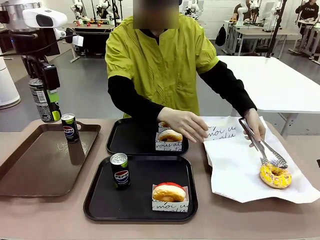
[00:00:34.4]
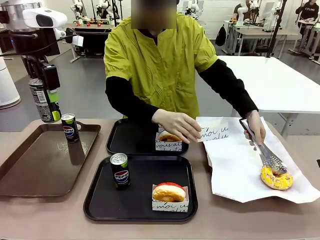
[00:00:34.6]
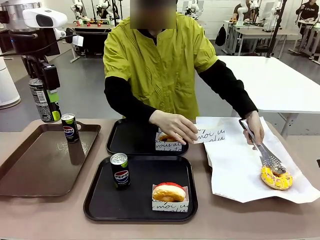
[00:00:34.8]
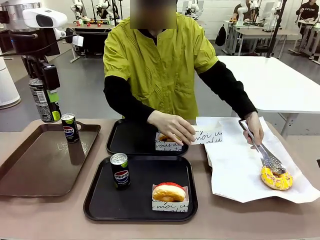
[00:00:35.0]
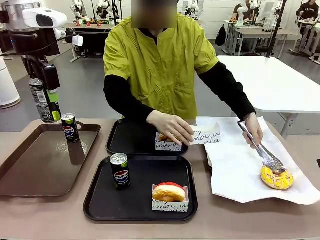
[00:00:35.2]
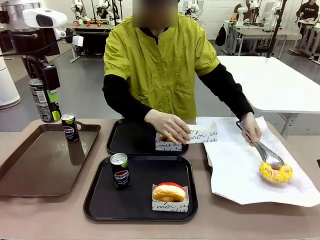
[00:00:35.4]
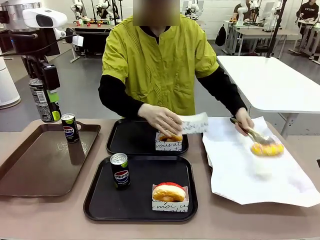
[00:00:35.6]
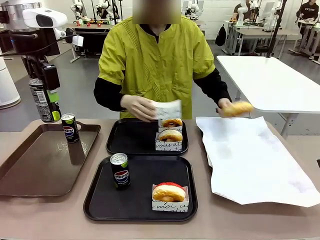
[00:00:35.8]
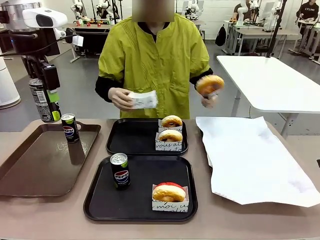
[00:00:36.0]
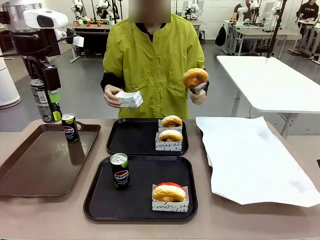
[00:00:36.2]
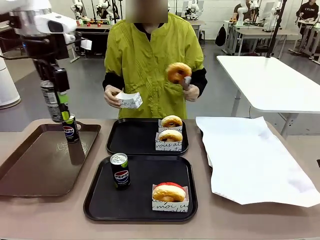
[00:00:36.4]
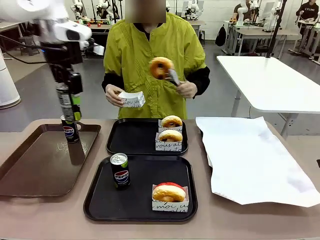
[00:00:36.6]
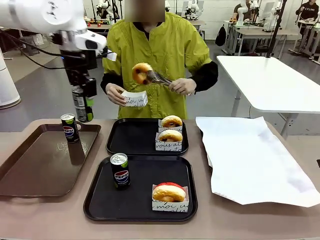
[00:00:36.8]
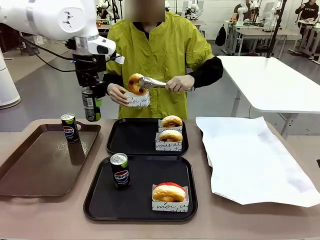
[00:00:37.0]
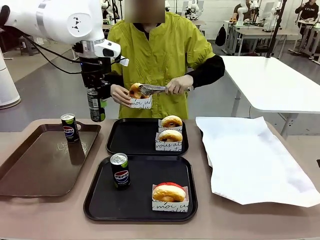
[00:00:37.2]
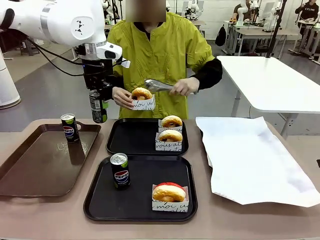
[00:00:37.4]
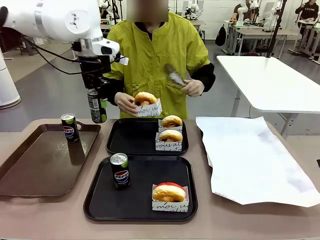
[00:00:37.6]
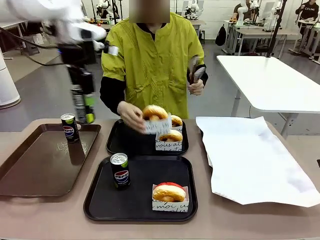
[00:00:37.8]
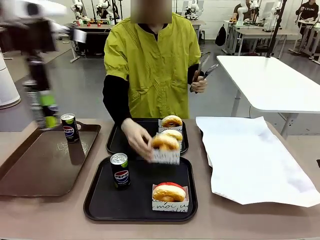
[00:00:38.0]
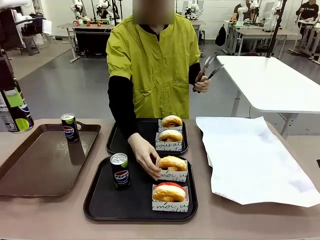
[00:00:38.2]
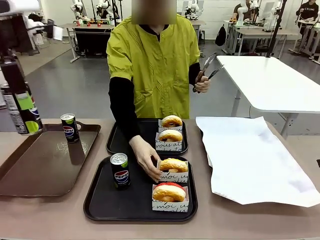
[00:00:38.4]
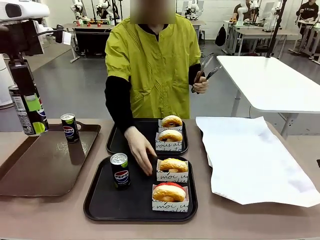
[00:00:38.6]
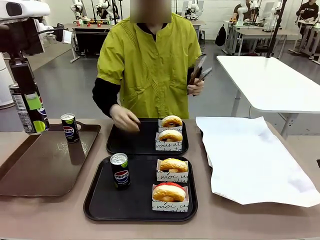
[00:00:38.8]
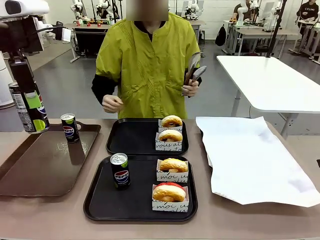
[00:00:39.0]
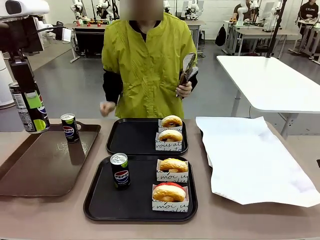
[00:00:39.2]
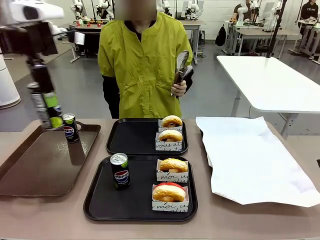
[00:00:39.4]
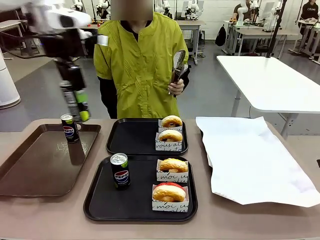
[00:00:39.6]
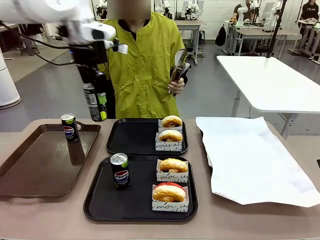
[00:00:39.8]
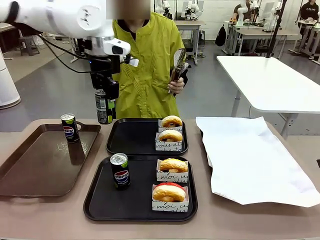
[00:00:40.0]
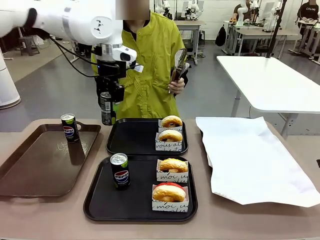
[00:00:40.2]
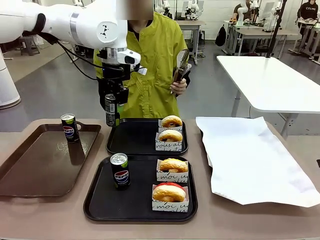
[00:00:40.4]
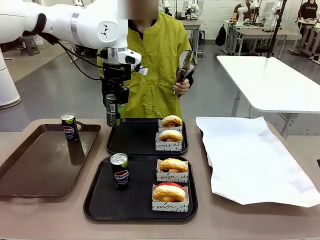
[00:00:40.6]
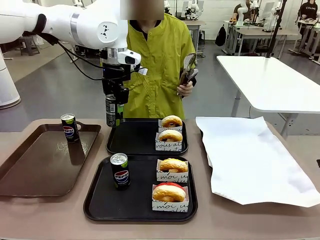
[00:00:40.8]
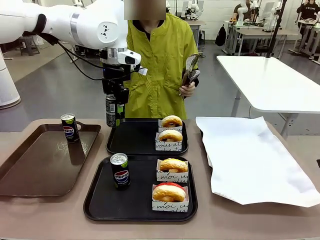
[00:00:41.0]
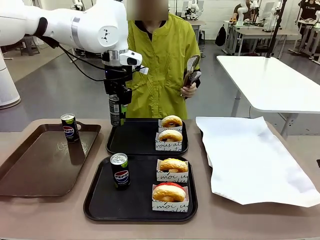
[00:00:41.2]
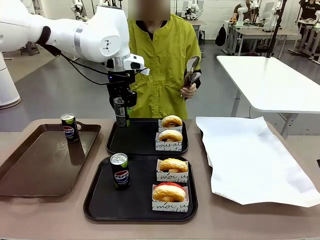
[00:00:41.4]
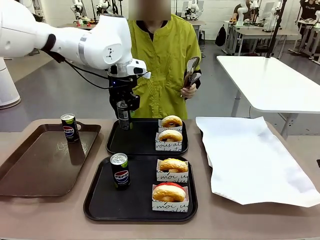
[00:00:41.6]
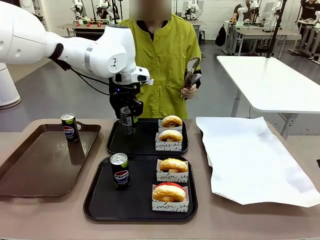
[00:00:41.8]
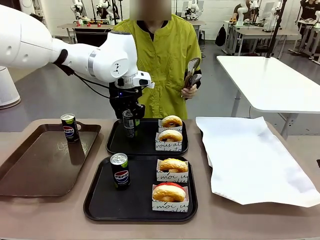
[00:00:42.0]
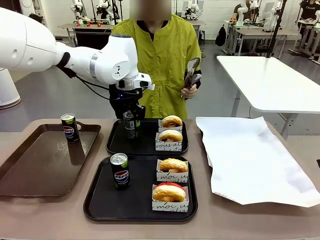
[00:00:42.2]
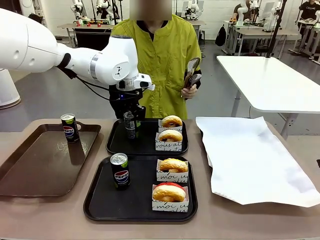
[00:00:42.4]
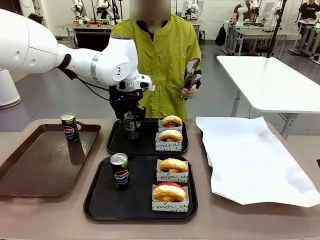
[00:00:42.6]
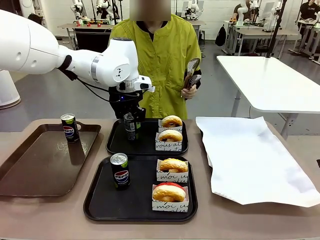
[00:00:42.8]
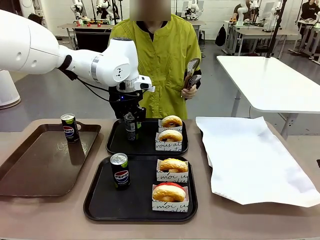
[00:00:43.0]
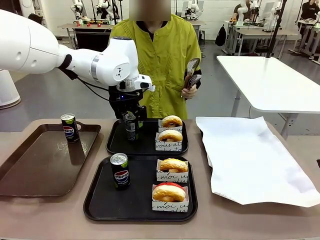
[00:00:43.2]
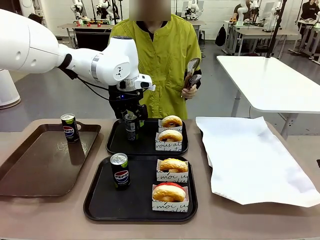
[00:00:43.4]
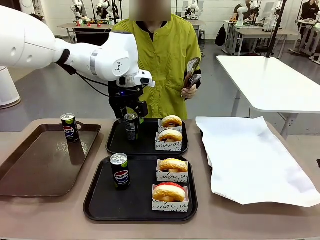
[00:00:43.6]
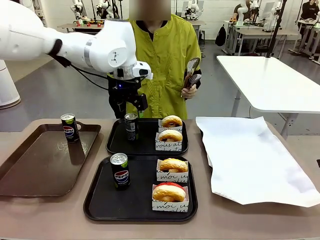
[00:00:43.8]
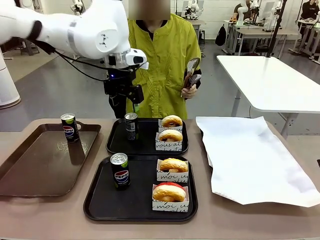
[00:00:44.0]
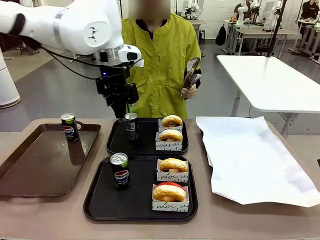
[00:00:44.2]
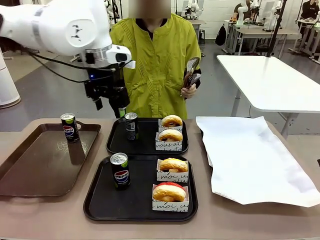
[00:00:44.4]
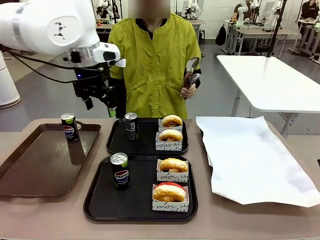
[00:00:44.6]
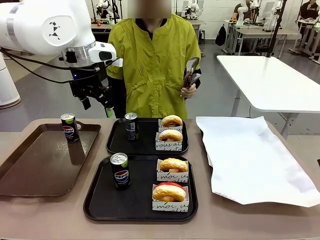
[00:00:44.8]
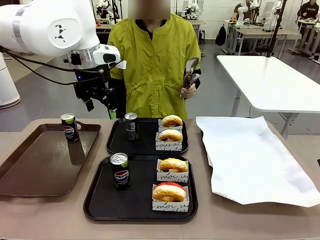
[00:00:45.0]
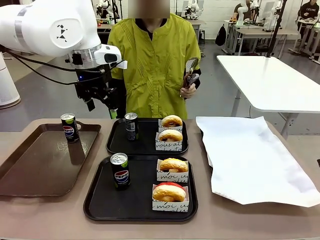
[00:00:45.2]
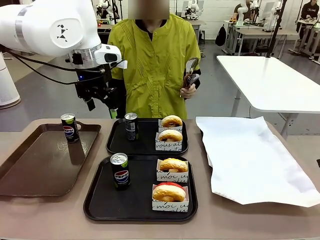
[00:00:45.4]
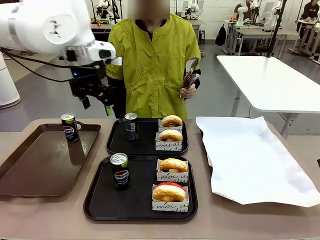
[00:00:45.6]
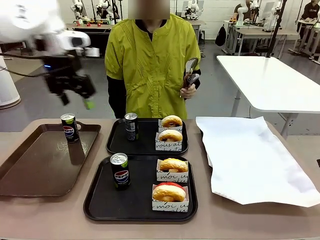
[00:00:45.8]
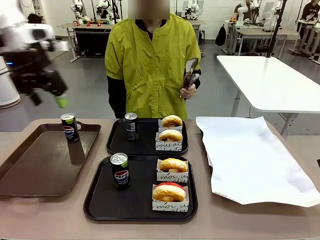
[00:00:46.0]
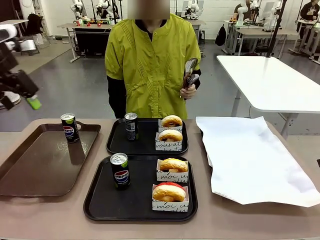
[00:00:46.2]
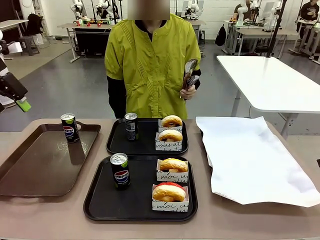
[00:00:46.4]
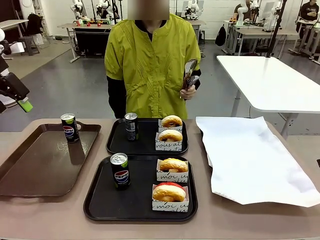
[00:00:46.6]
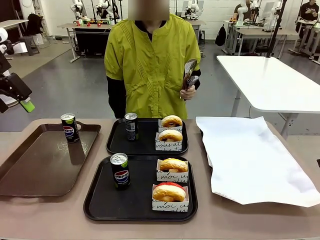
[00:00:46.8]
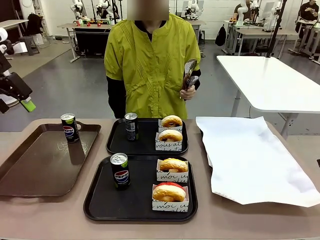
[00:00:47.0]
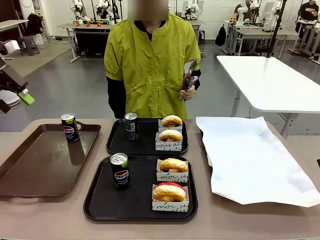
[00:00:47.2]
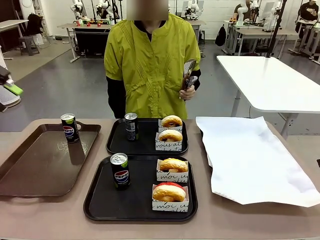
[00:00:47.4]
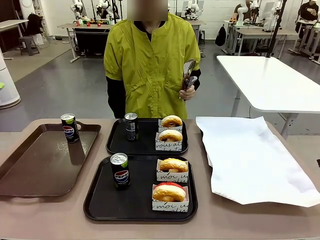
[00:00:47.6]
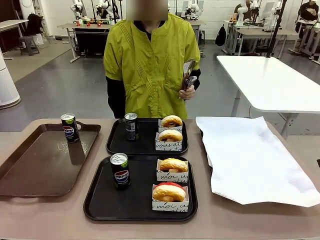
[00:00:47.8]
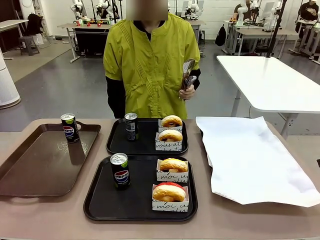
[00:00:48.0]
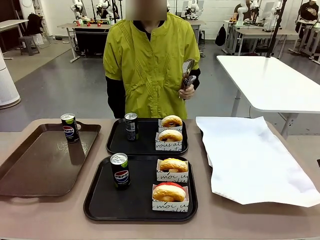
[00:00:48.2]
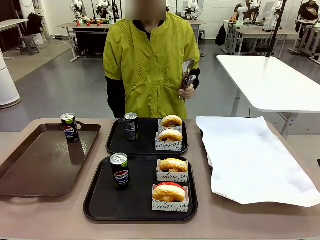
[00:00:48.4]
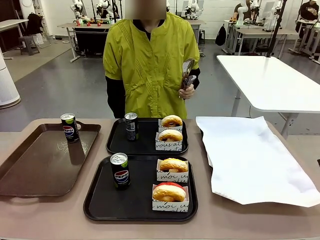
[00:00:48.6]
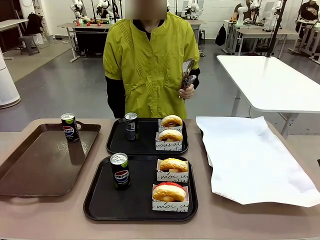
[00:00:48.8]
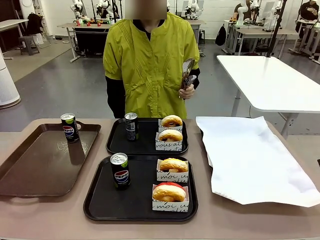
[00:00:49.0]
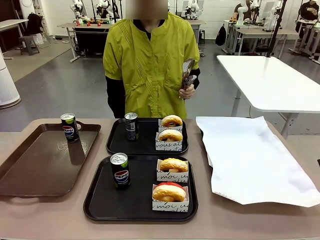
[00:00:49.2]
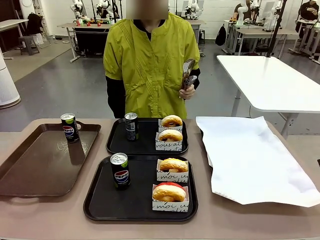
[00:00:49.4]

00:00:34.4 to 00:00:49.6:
Task: Set up donuts and drinks on trays.
Robot: Pick up one Pepsi coke from the Handle tray and place it on the Flat Tray without a Pepsi coke.
